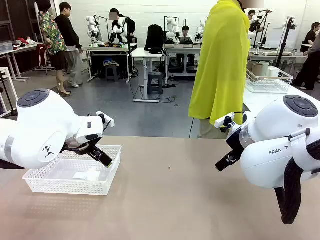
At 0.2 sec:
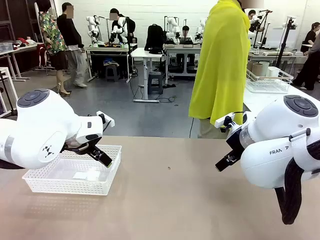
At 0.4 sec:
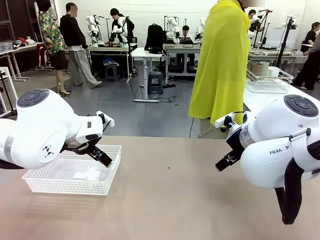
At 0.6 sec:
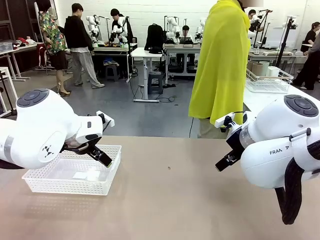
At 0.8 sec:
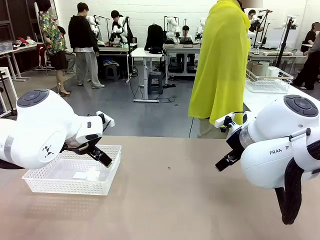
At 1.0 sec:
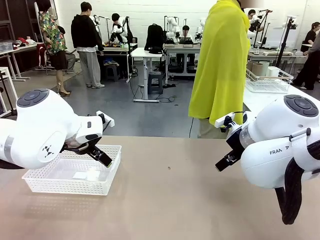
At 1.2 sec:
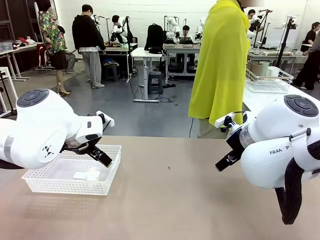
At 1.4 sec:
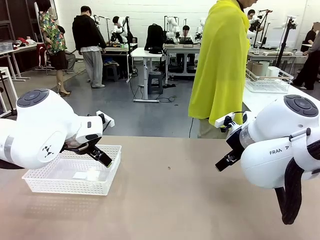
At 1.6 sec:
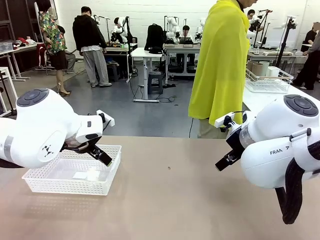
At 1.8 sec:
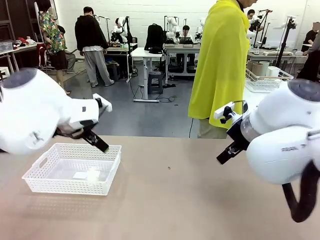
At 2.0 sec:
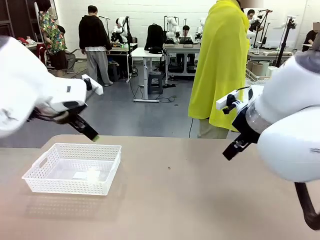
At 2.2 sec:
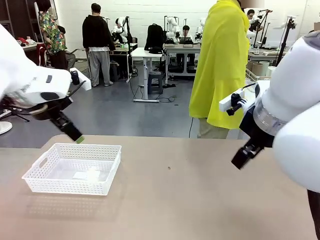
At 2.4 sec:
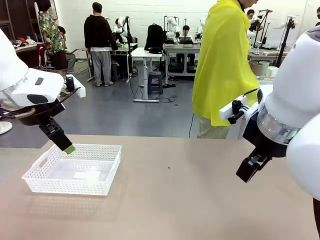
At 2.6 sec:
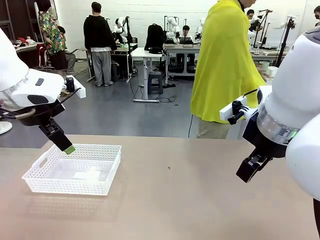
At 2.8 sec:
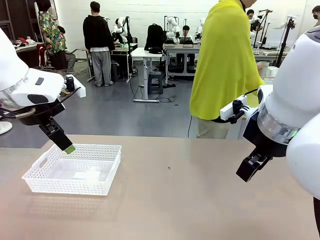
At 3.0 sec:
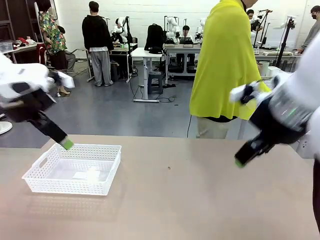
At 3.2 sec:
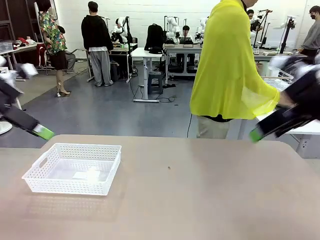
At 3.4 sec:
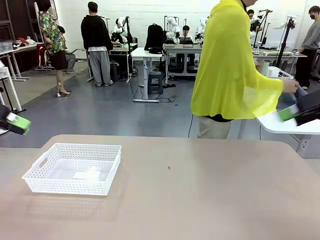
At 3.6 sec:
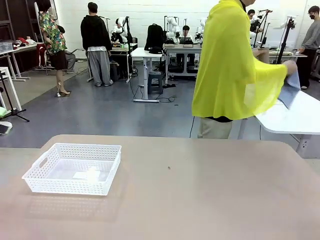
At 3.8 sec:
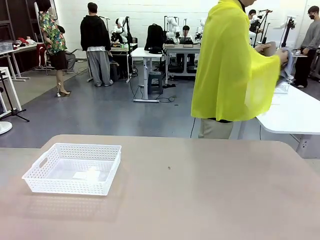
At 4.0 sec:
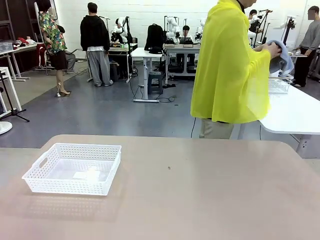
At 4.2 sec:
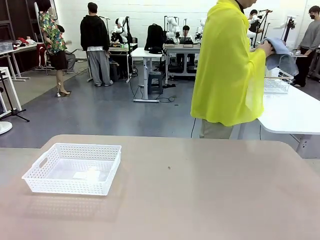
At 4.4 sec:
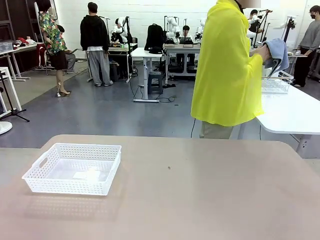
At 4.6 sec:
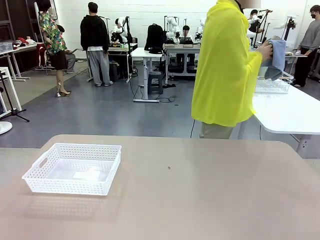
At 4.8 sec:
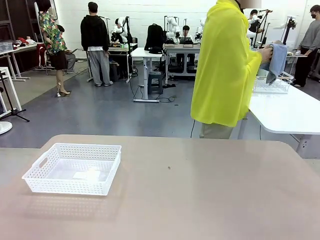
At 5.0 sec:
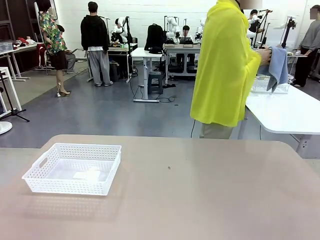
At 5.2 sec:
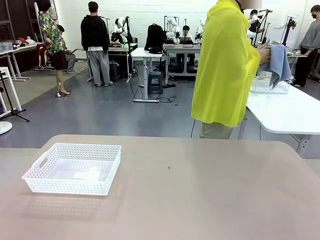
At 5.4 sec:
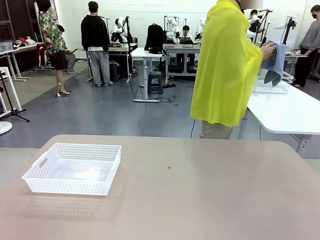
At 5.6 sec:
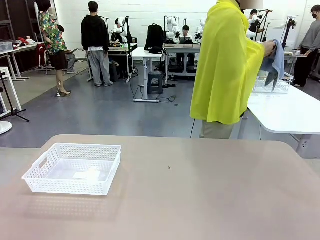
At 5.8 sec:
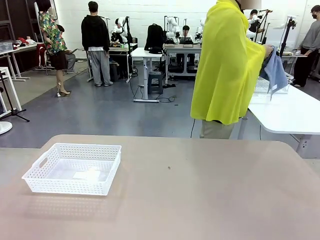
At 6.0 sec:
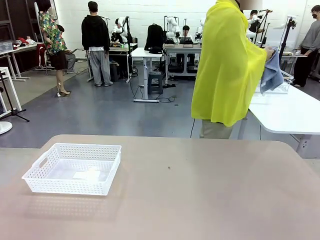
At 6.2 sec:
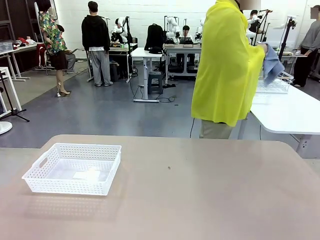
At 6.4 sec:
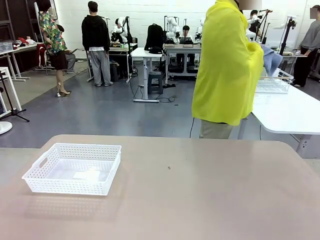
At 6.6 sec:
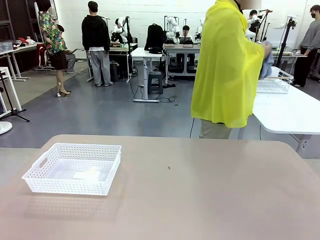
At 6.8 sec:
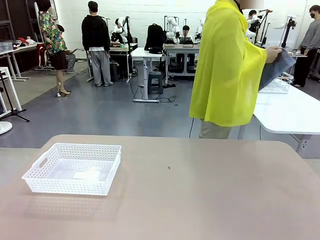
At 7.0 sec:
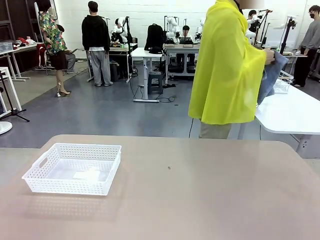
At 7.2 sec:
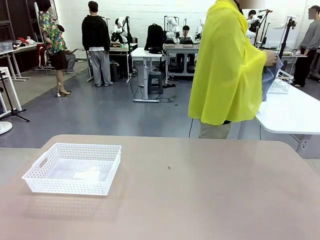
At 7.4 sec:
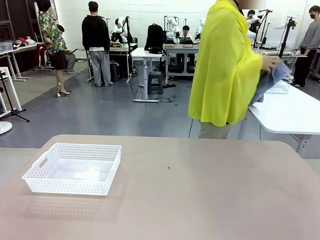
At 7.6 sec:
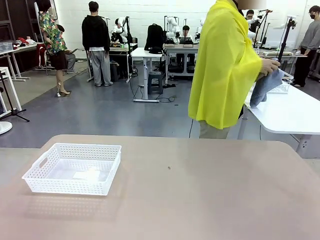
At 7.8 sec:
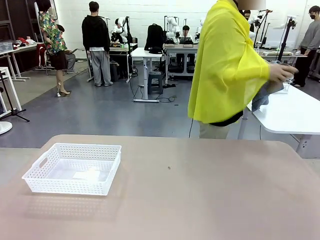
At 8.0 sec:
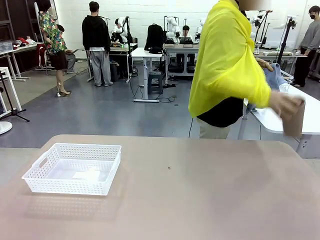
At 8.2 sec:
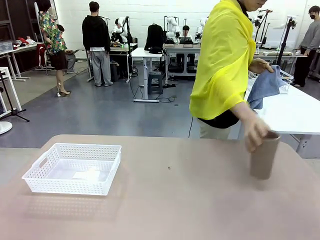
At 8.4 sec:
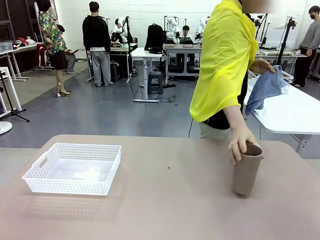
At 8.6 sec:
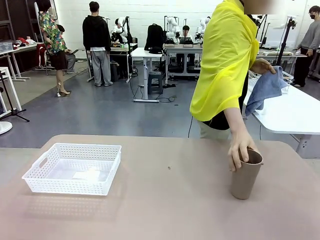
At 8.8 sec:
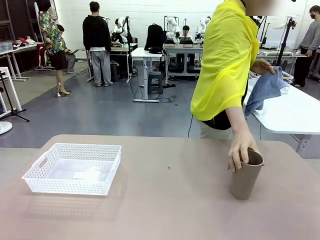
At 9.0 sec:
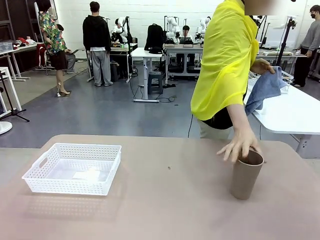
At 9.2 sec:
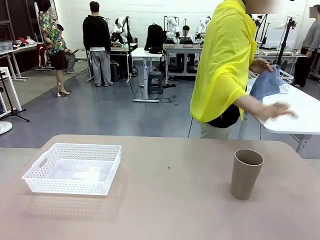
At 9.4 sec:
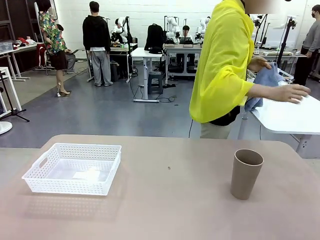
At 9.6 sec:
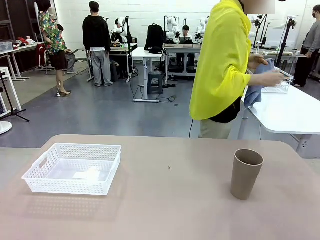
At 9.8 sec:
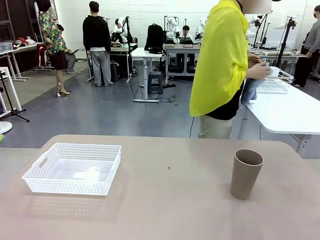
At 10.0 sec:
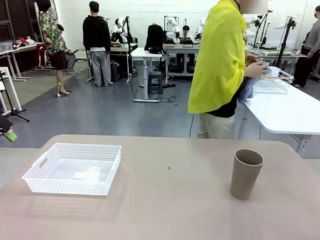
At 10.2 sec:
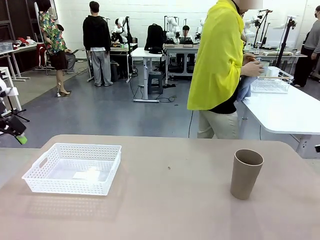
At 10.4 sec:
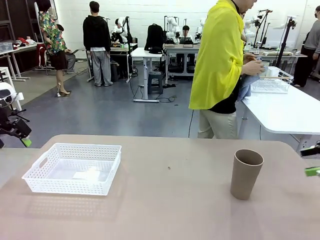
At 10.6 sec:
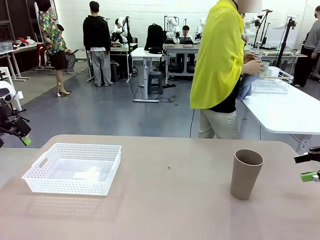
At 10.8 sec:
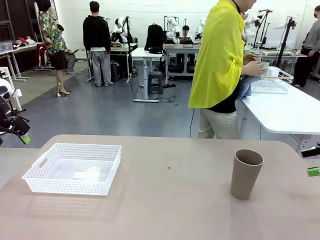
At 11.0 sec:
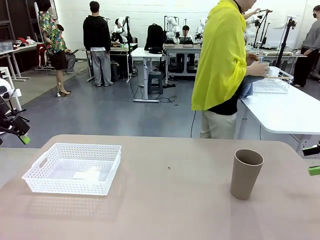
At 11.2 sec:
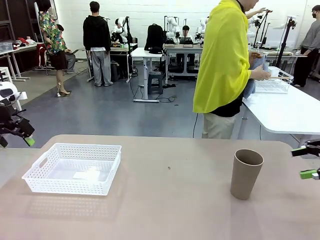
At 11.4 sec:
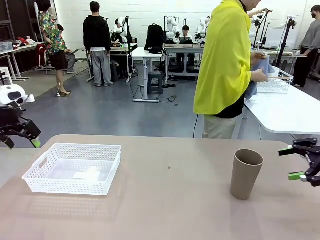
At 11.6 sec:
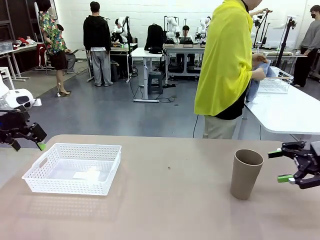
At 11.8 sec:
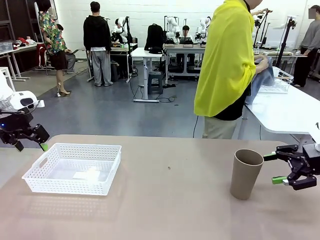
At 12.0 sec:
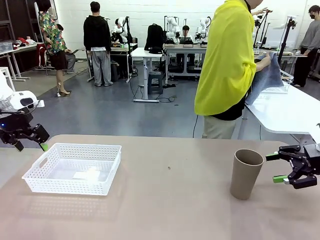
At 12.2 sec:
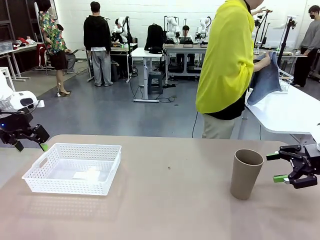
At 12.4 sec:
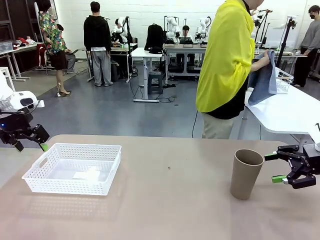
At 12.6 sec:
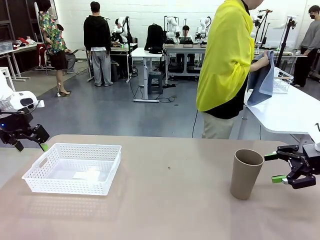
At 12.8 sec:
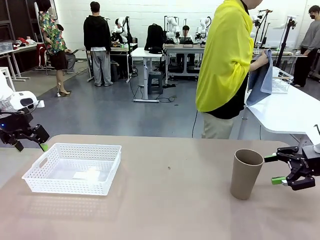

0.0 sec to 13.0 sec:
Task: Clean and organize the cups into the basket.
Robot: Pick up the Organizing basket and move it to the center of the table, then pick up the Reusable plastic cup from the right side of the table and place it inside the Organizing basket.
Person: Picks up a cup and a towel, cleans the cup with the towel, and places it on the left side of the robot table.
